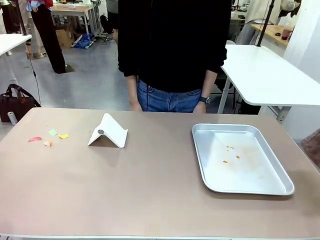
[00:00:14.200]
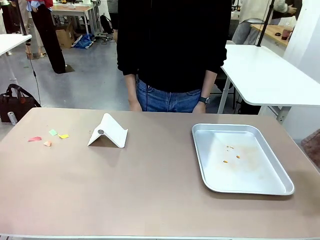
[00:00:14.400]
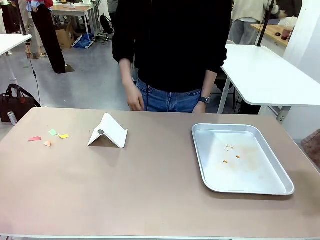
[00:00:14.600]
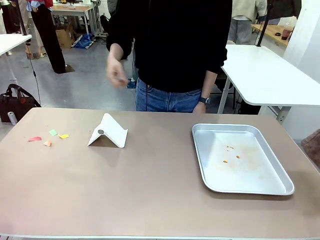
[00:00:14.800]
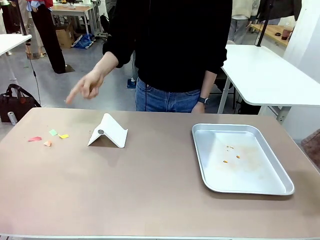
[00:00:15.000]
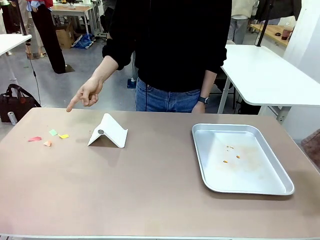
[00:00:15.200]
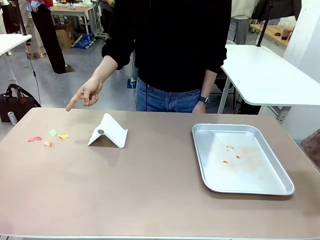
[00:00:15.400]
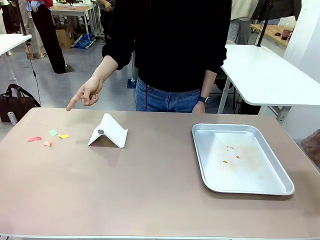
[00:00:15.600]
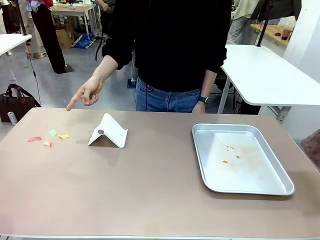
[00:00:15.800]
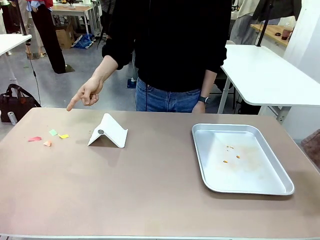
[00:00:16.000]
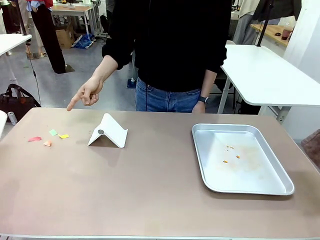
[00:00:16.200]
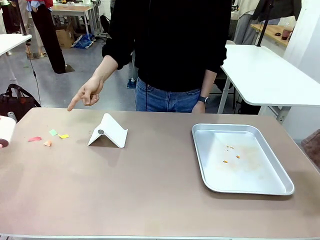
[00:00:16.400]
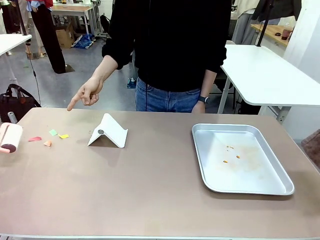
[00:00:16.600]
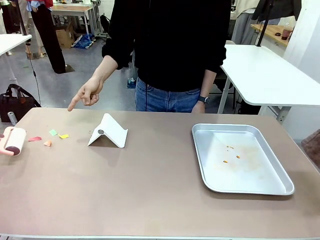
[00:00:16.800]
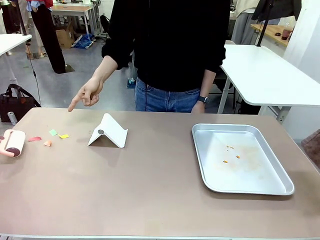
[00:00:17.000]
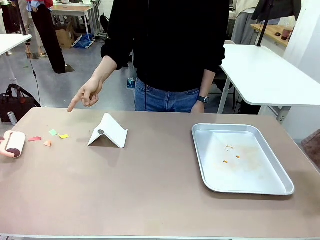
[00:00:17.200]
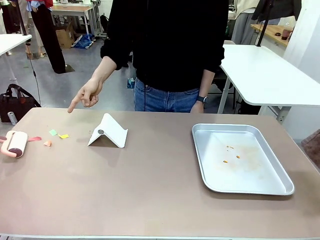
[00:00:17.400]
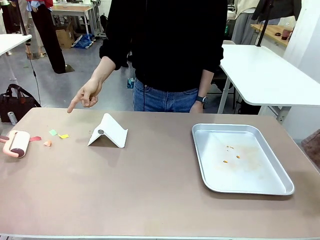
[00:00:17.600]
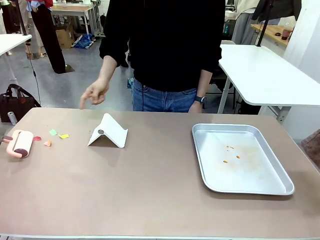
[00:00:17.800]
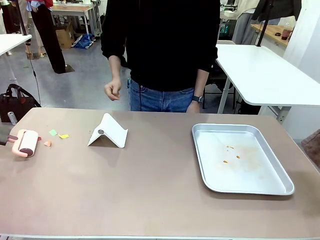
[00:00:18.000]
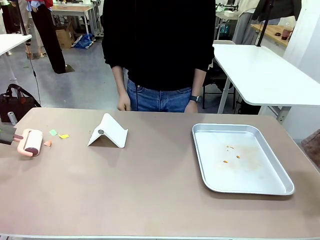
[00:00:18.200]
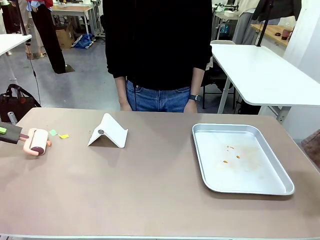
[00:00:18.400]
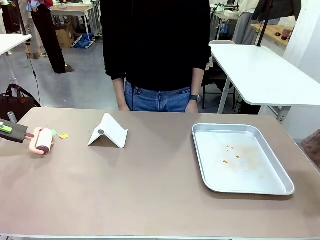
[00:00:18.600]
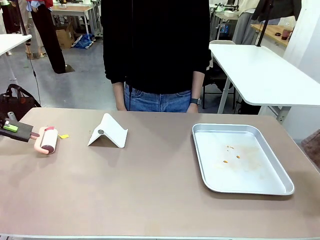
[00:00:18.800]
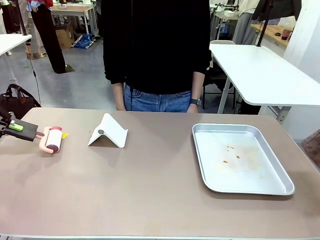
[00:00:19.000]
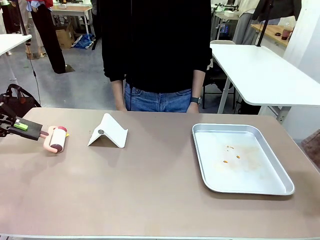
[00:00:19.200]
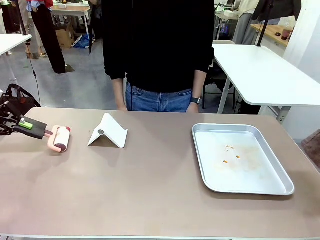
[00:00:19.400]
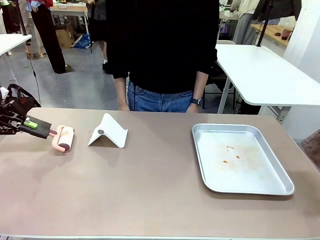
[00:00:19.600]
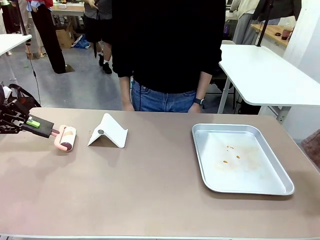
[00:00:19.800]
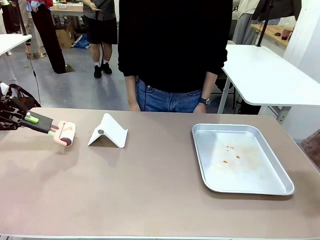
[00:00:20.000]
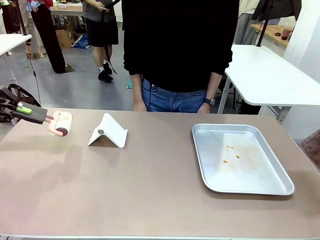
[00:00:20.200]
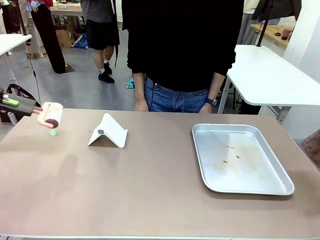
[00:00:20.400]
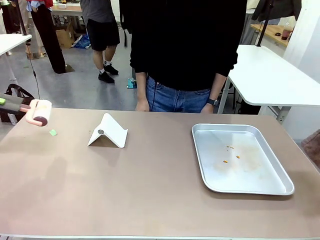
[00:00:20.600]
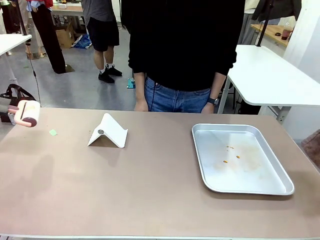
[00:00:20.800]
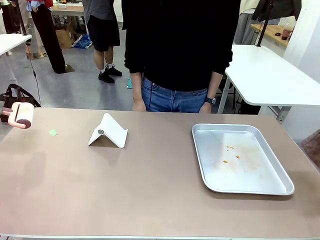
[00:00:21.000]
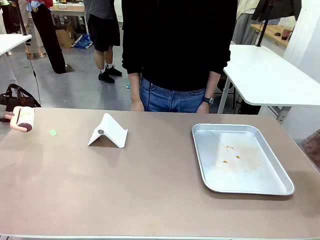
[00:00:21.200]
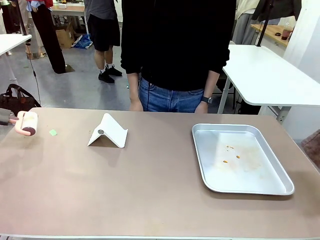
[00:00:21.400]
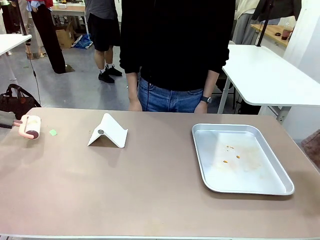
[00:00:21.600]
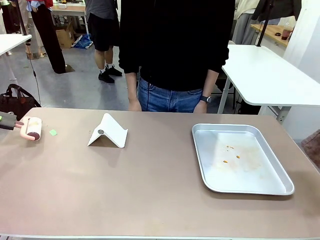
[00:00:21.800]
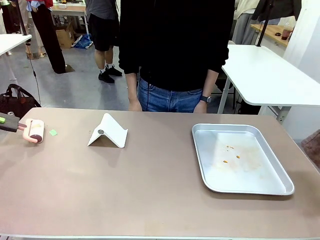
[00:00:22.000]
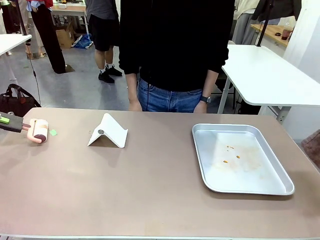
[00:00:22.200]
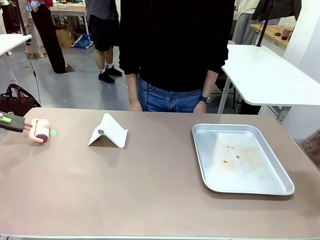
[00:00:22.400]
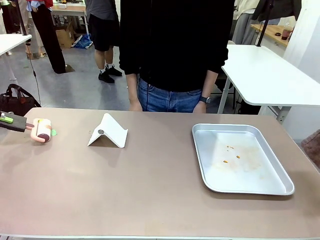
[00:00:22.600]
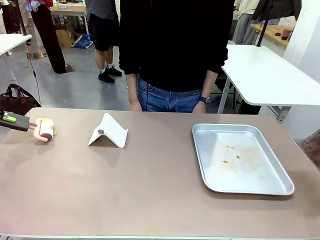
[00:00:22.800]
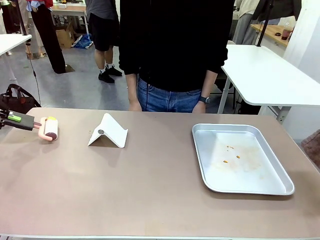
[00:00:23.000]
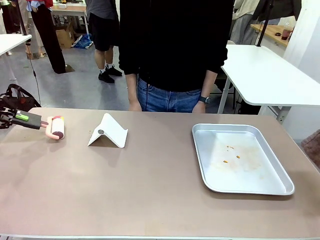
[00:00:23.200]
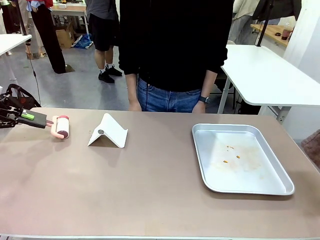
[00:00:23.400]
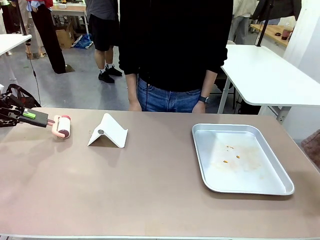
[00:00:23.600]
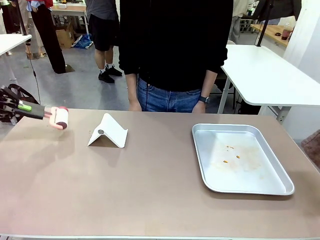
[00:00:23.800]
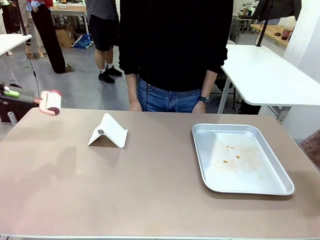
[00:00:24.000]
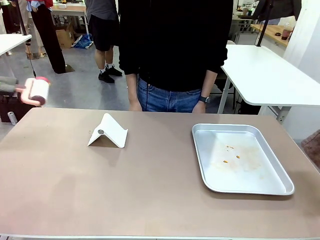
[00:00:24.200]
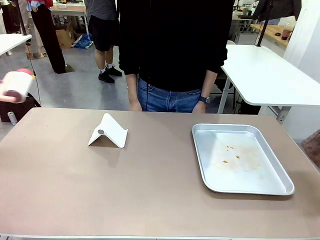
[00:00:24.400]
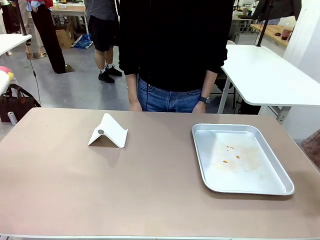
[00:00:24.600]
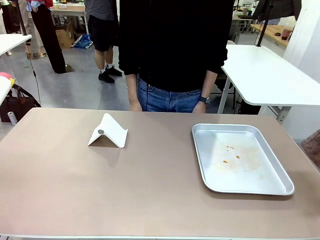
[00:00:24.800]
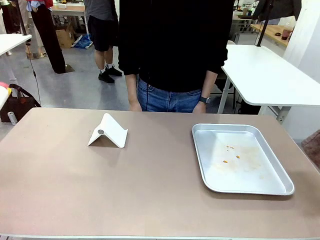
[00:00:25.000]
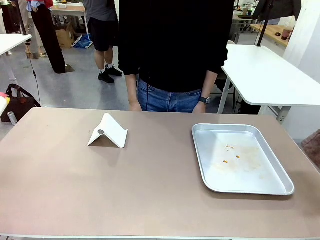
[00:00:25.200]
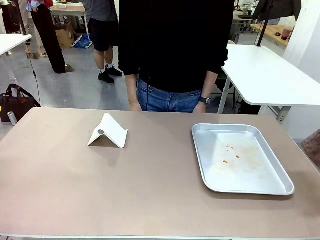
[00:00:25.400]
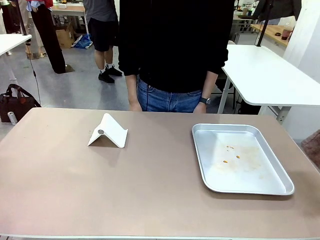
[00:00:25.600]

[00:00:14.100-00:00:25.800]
Task: Clean the surface of the table.
Robot: If a person points to the right, clean the right side of the table with your right hand, and if they point to the left, clean the left side with your left hand.

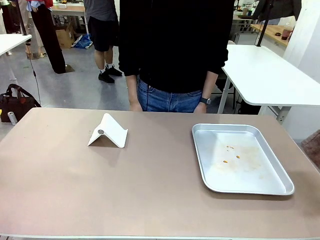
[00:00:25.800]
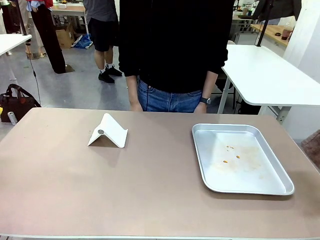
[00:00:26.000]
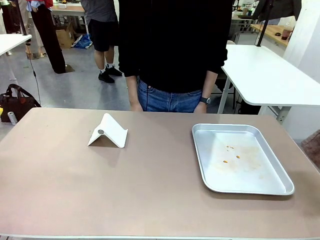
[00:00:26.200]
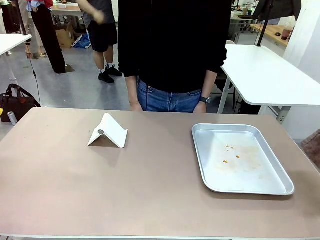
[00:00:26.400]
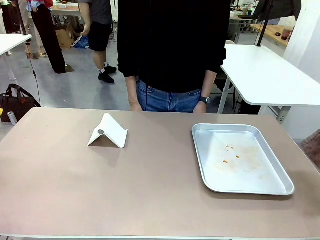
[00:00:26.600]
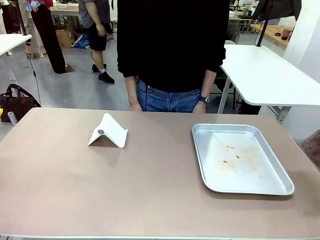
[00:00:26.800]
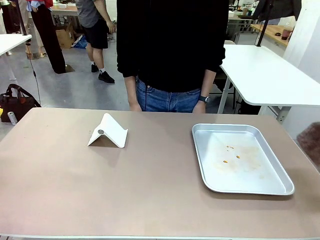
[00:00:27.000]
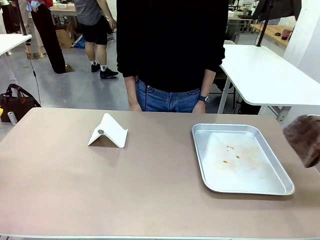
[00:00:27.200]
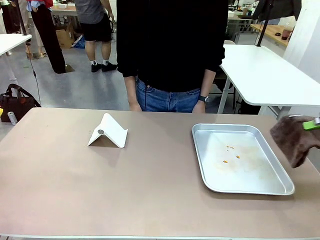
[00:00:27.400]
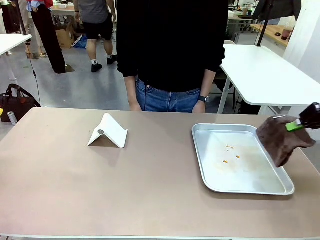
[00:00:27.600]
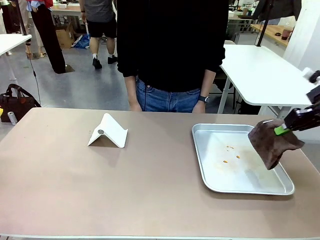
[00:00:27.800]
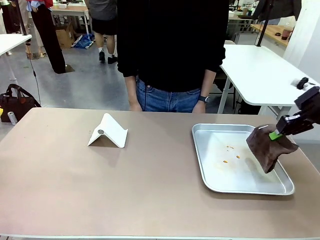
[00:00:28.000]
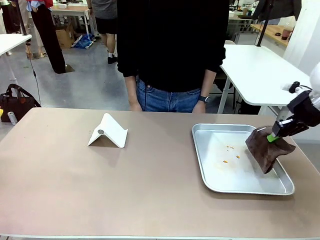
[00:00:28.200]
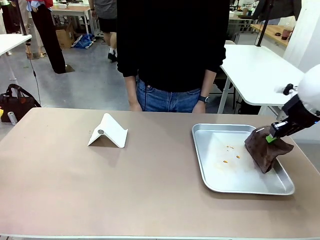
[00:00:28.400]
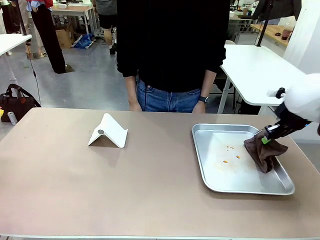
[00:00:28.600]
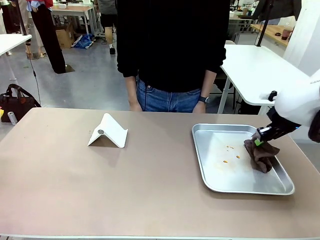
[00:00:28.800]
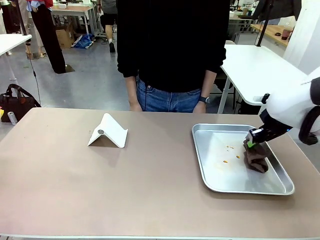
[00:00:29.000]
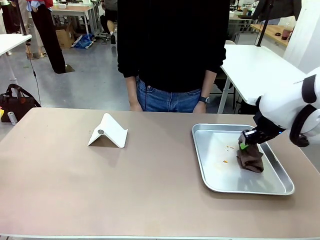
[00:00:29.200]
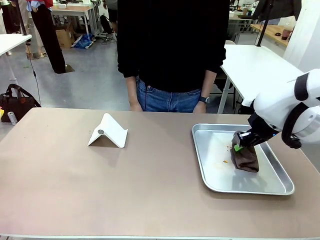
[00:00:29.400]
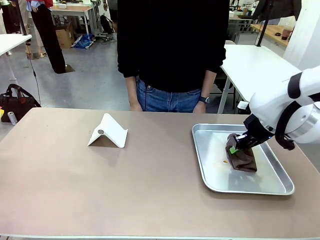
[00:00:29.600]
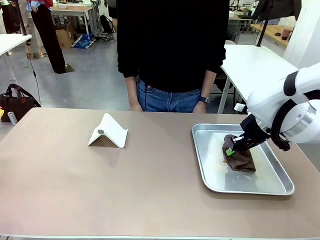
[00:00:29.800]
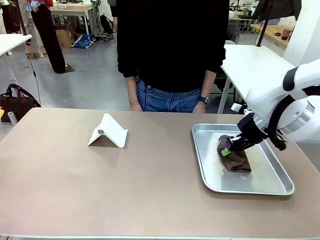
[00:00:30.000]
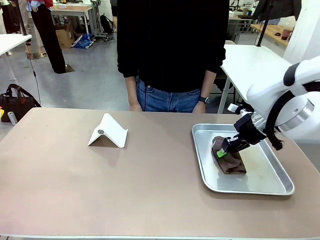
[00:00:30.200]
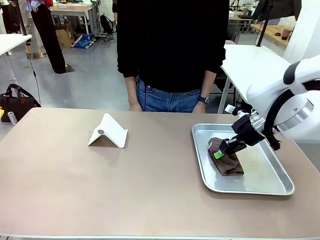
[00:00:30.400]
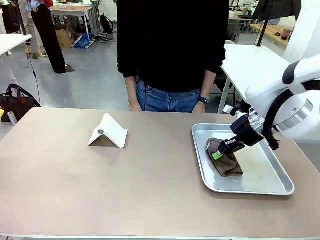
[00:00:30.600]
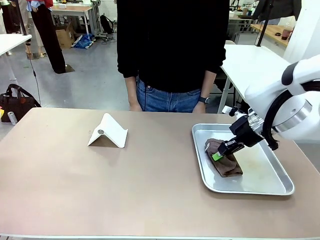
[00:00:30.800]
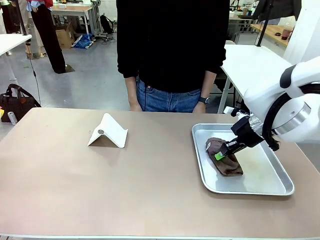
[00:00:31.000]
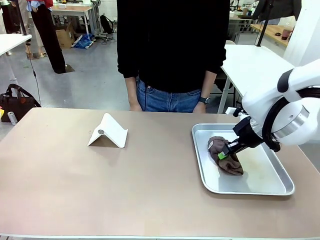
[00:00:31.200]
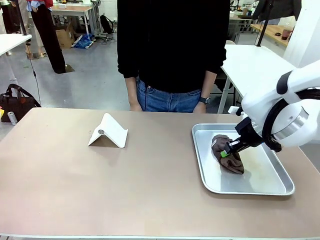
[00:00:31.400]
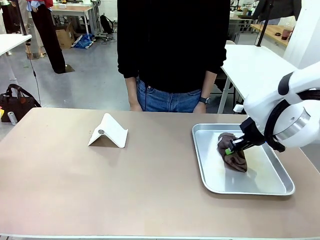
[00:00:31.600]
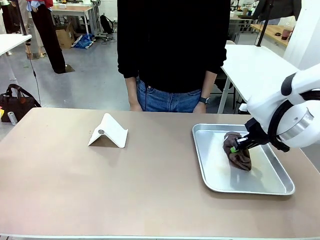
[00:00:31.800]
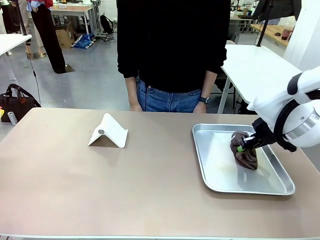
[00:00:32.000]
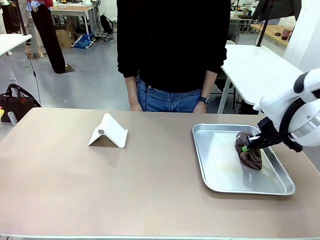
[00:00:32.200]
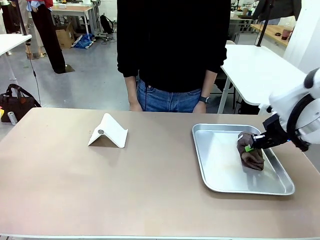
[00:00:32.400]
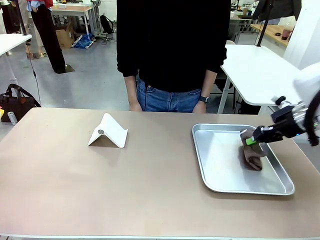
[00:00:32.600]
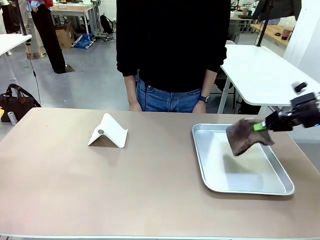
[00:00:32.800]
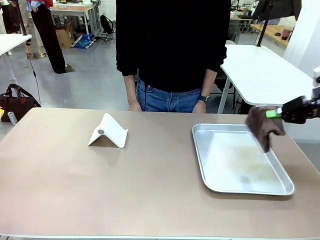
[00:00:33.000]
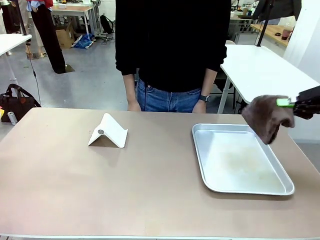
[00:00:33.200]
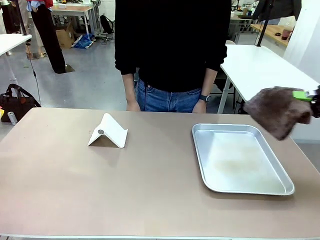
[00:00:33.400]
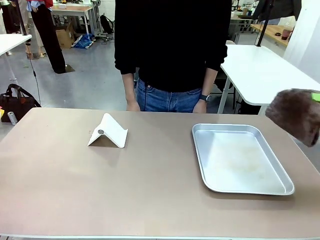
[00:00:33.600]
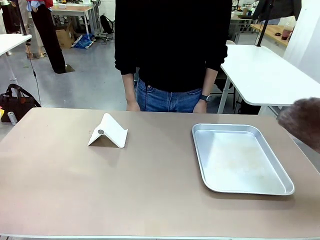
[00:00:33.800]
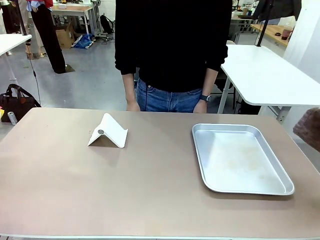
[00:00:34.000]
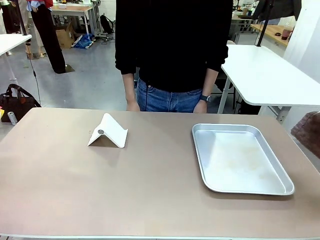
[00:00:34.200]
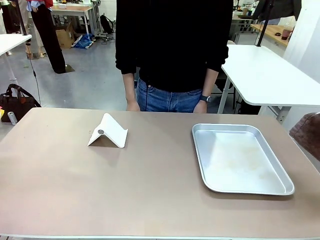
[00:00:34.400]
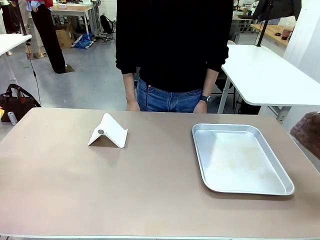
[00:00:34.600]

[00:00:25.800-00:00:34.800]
Robot: Clean the area not pointed to by the person.
